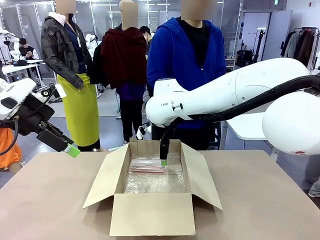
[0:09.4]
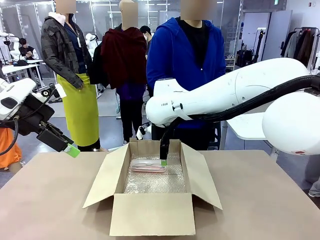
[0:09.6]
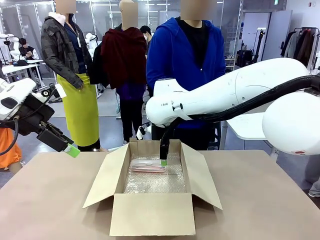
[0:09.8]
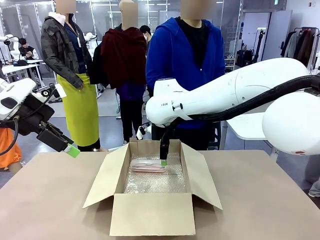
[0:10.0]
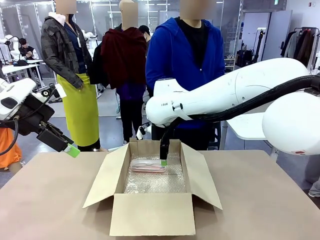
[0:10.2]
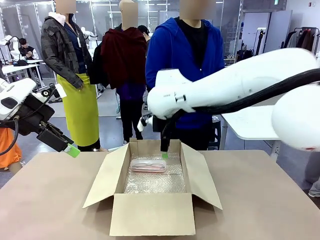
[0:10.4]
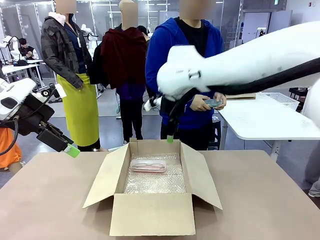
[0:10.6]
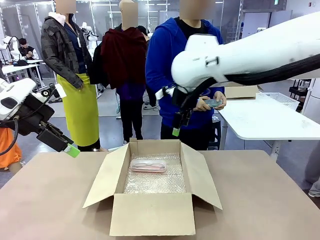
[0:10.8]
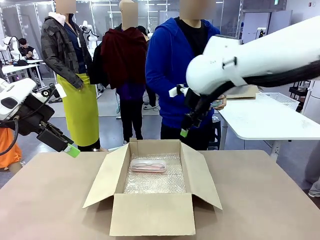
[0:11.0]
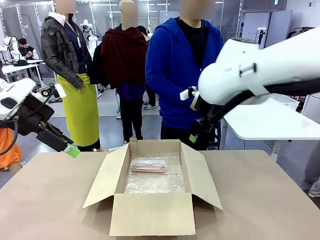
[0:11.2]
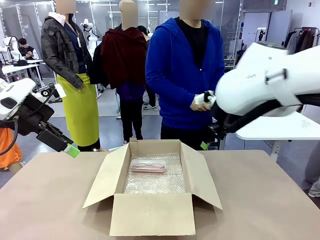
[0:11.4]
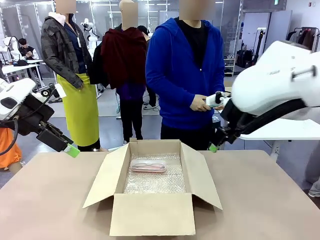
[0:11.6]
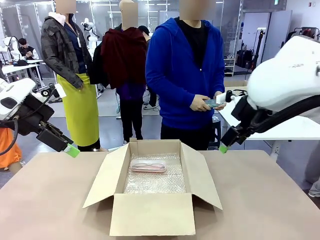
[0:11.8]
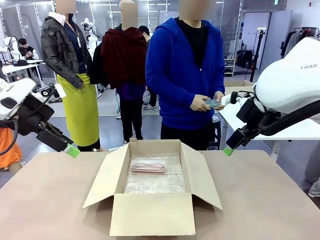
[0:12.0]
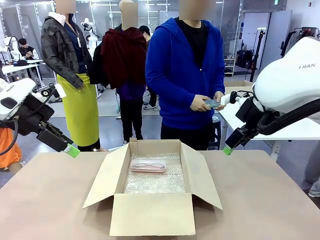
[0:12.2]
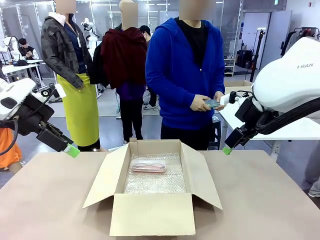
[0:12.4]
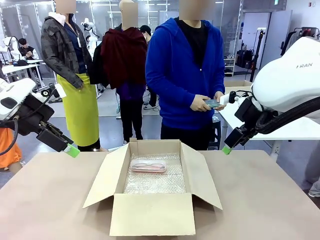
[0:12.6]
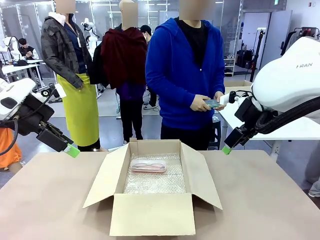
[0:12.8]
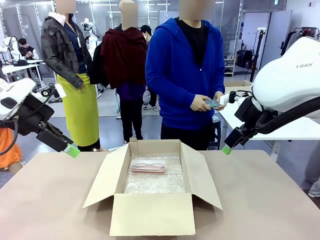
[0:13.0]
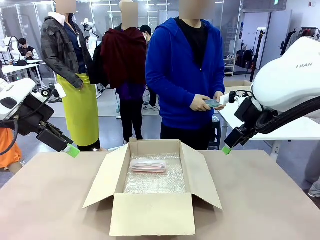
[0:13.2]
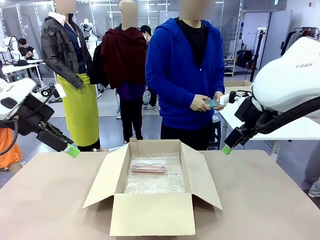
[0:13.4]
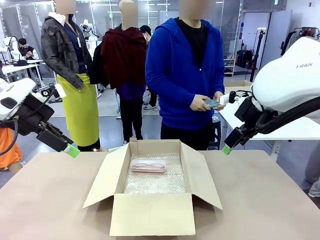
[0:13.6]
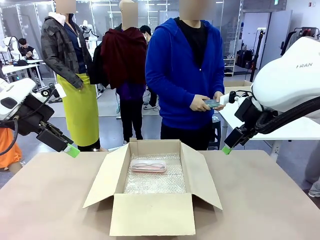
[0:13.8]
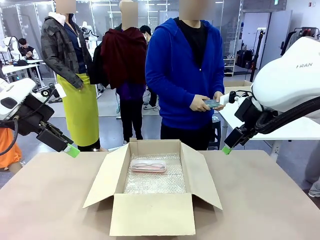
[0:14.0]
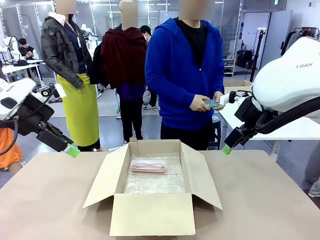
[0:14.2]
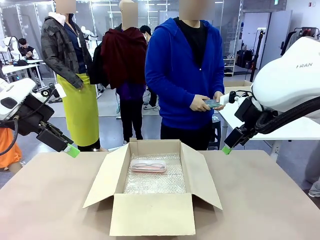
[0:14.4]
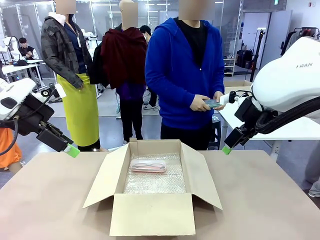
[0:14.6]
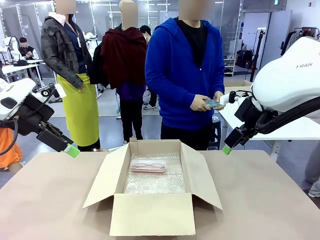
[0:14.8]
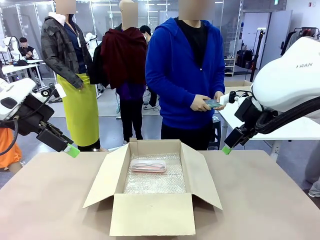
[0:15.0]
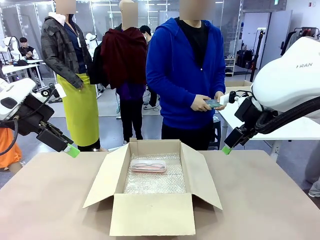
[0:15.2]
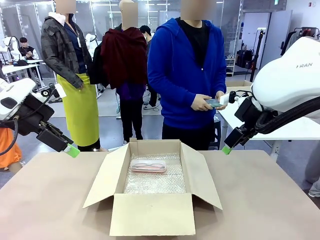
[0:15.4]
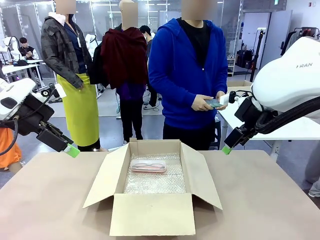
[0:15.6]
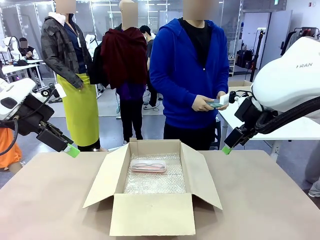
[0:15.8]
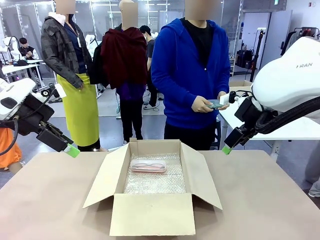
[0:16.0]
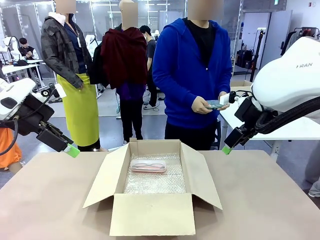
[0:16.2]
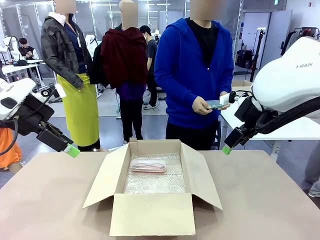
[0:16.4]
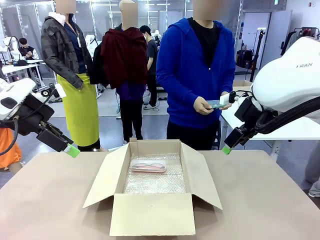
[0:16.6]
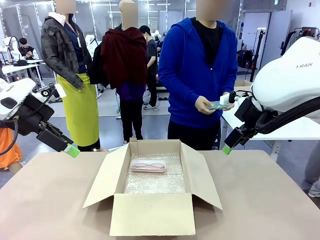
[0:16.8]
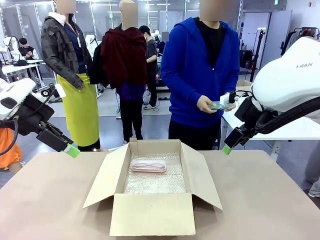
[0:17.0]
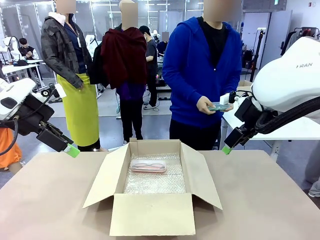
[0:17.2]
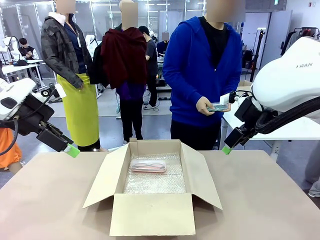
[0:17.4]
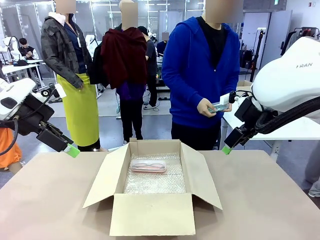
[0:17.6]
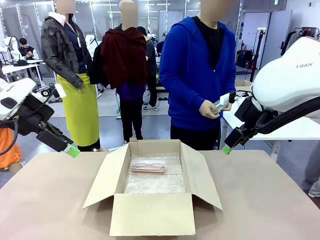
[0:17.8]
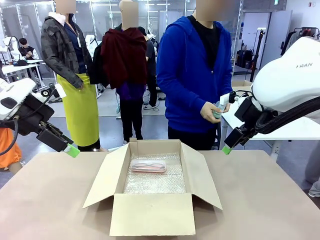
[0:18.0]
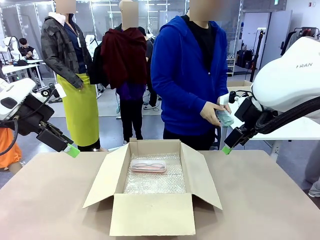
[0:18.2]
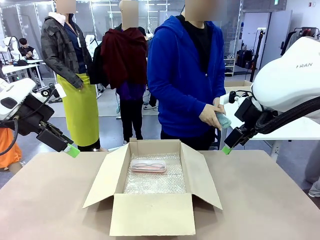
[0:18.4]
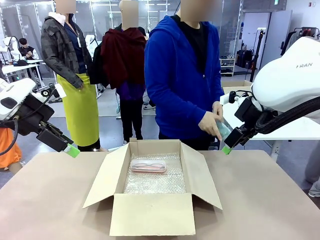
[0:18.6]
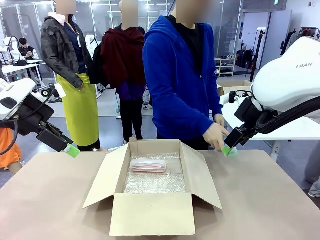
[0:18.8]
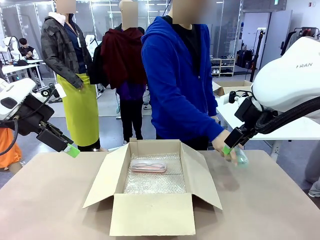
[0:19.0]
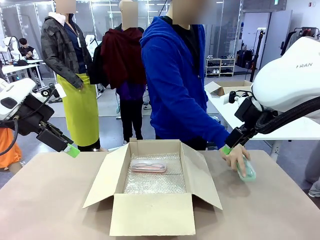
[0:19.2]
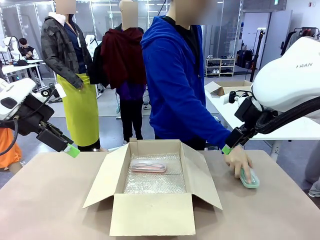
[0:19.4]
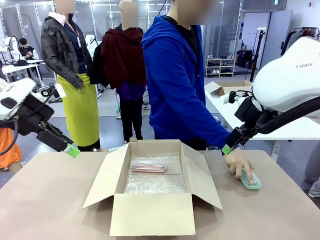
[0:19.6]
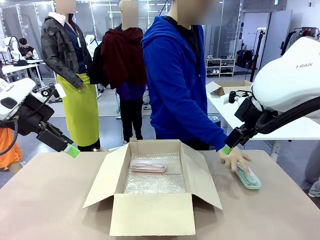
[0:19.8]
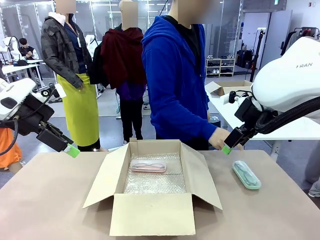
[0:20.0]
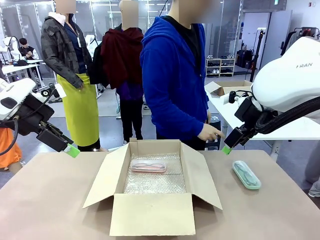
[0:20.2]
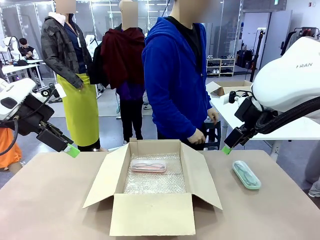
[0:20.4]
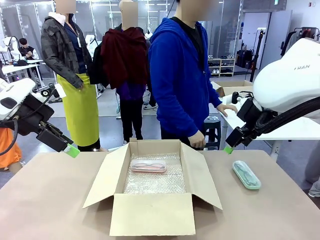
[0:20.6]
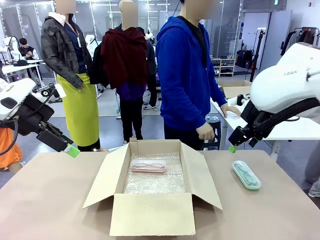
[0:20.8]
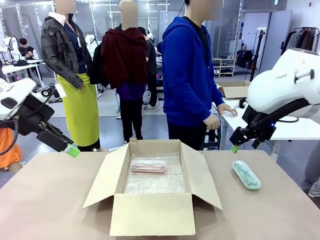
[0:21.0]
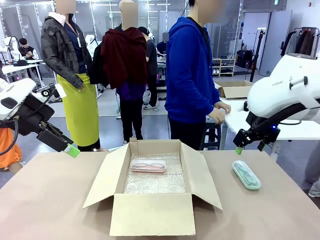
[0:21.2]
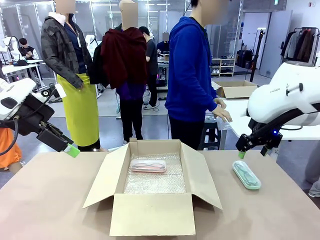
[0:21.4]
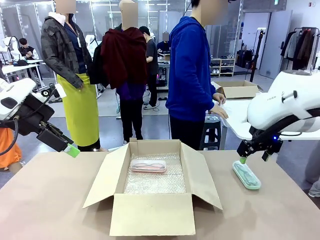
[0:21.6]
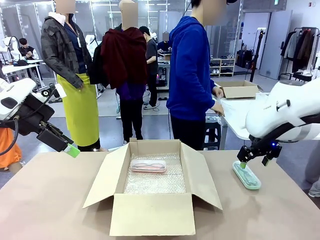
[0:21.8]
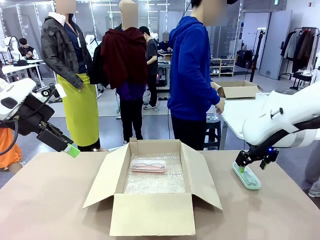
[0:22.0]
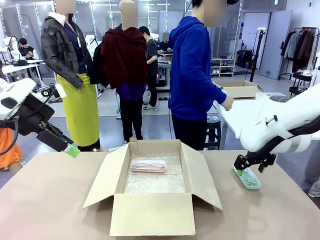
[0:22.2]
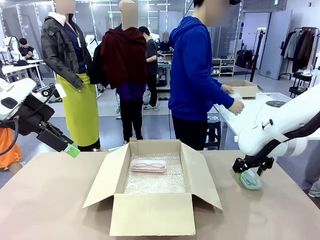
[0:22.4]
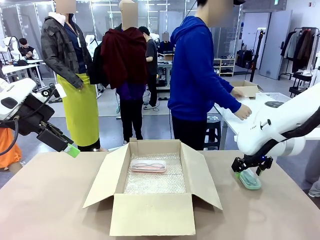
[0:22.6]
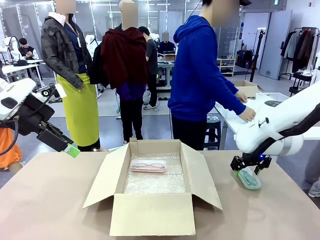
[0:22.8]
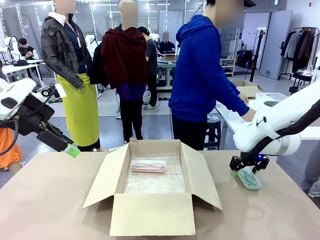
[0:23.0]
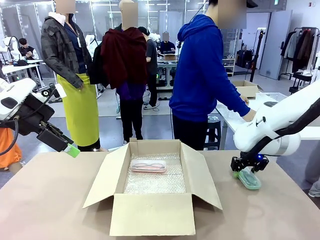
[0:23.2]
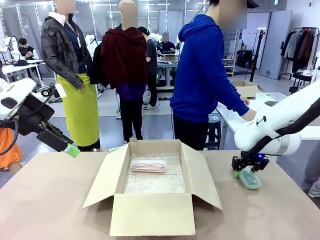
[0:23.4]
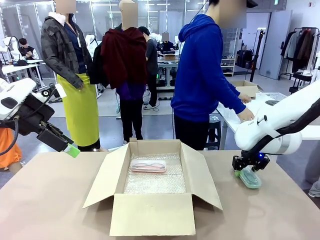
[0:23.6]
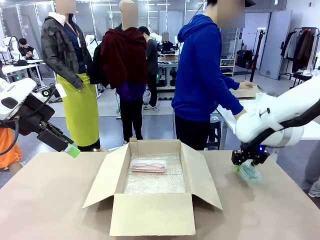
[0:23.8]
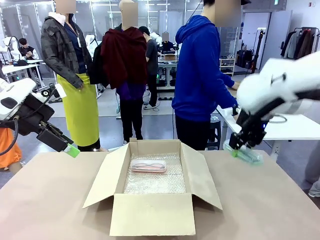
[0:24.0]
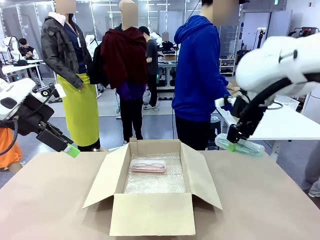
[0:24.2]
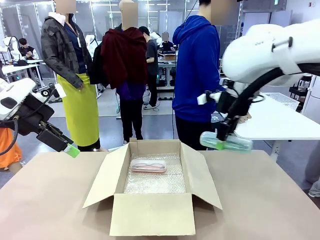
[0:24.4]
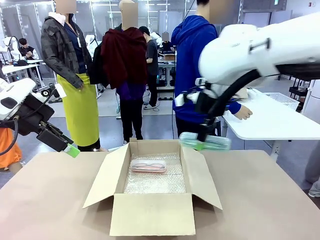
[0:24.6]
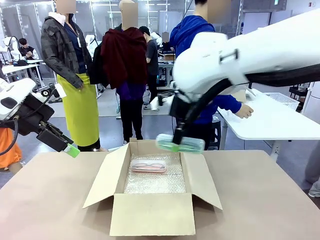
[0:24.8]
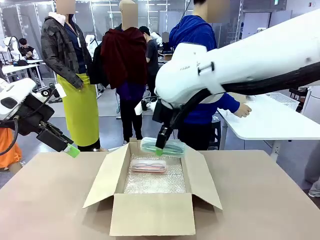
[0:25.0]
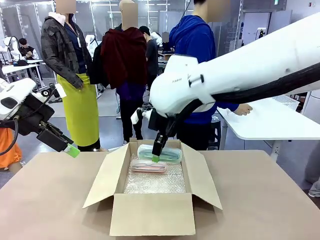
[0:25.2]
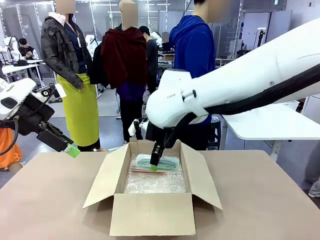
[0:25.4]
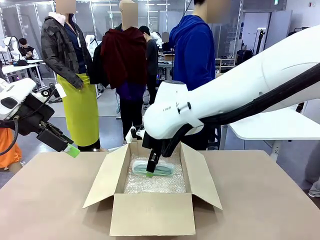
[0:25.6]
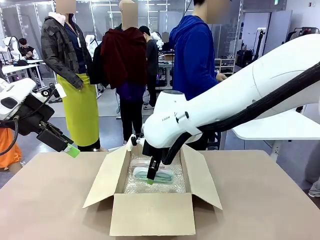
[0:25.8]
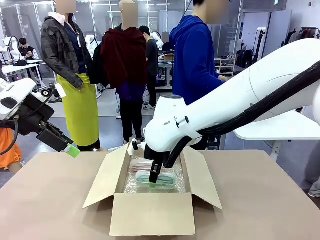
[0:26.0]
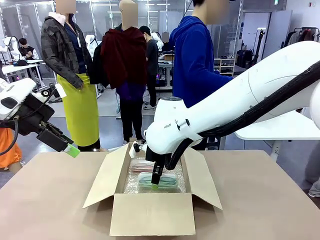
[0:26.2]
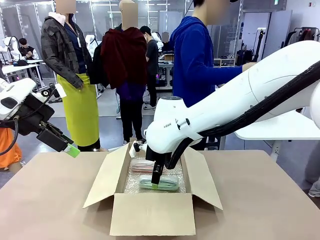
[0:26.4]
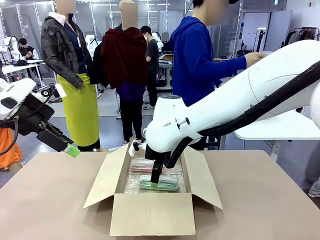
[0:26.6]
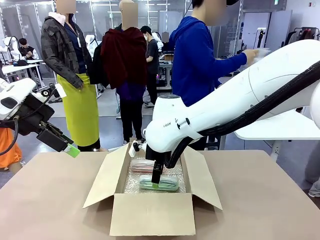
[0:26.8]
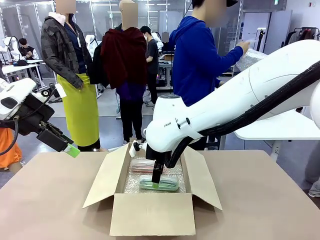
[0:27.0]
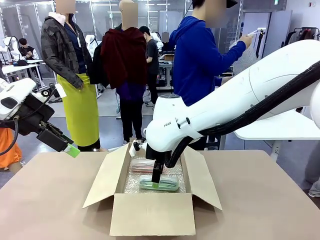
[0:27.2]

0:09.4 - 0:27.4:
Task: Pack the glasses set securely to prepare it for shipping.
Robot: Put the Glasses case from the right side of the table into the Package Box.
Person: Position the Glasses case on the left side of the robot's table.
